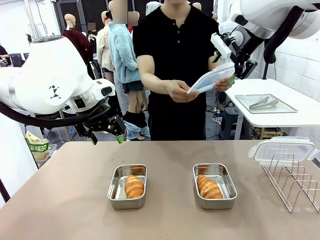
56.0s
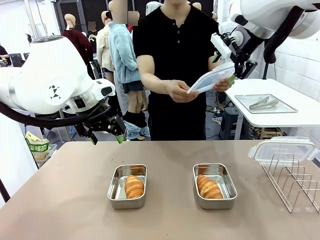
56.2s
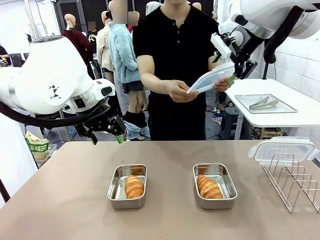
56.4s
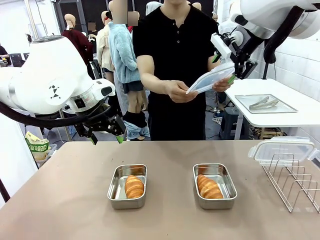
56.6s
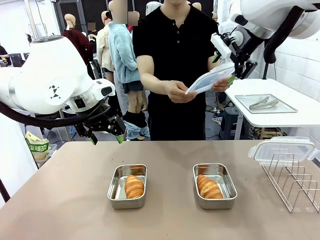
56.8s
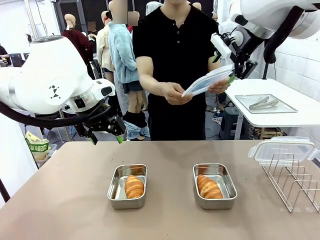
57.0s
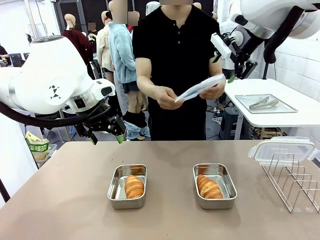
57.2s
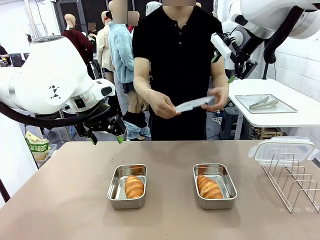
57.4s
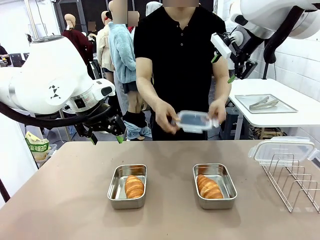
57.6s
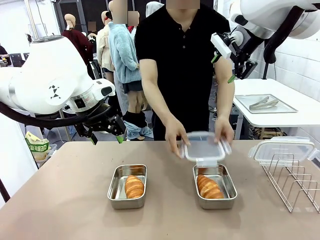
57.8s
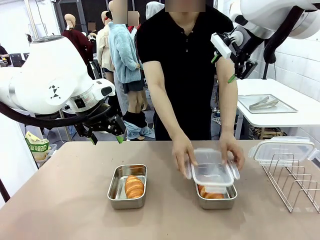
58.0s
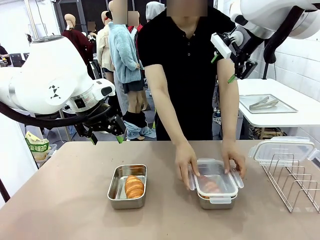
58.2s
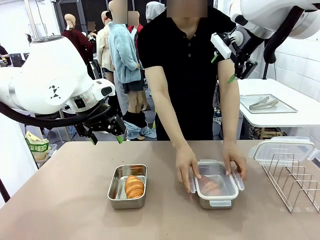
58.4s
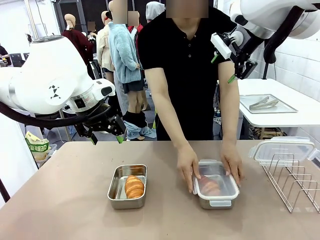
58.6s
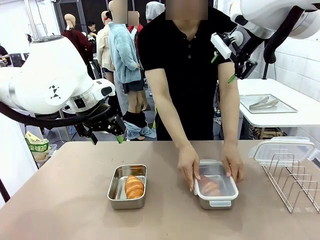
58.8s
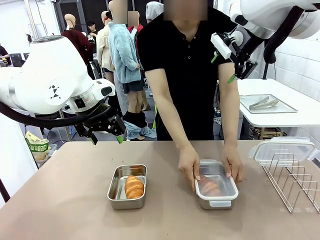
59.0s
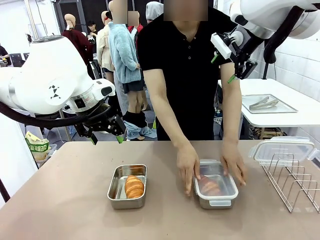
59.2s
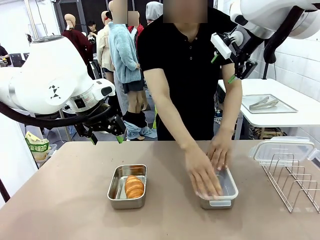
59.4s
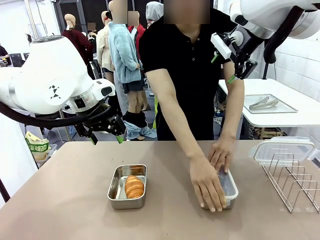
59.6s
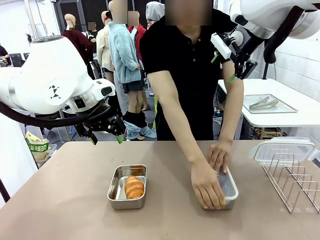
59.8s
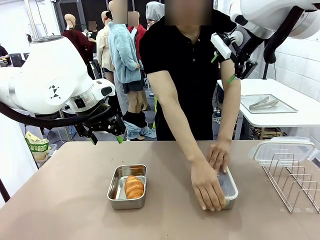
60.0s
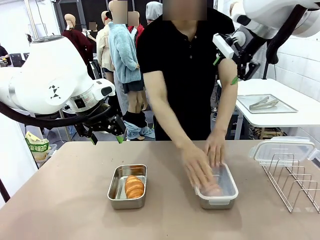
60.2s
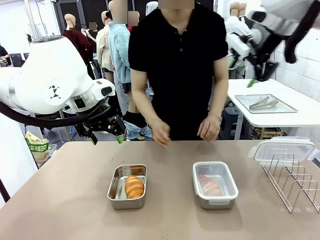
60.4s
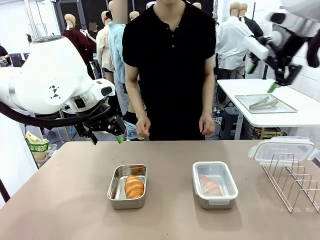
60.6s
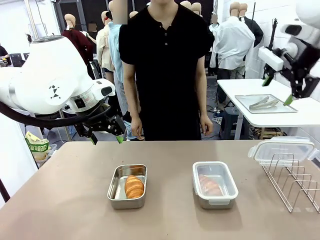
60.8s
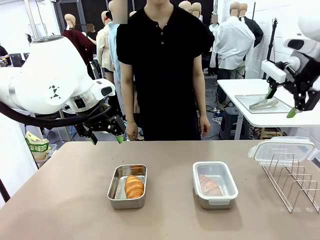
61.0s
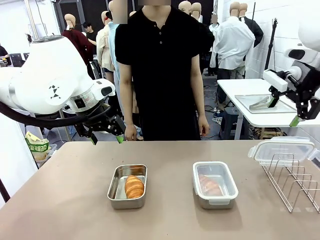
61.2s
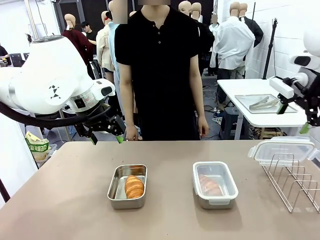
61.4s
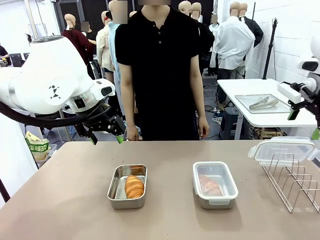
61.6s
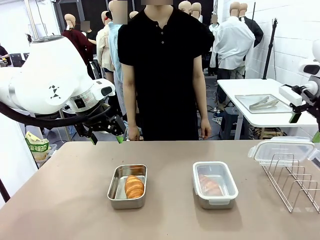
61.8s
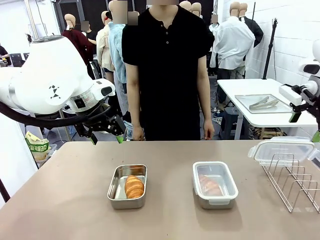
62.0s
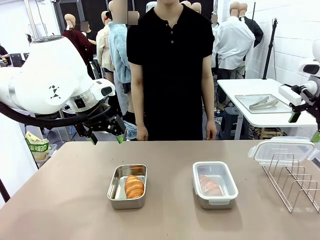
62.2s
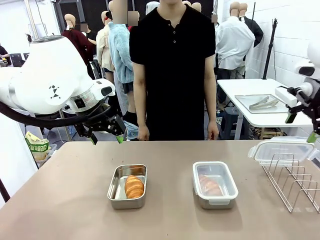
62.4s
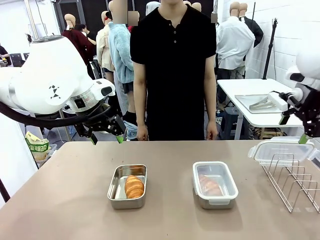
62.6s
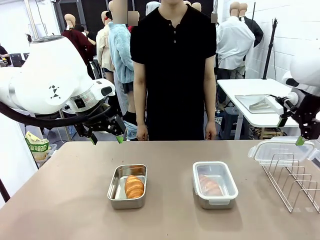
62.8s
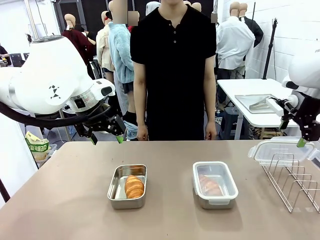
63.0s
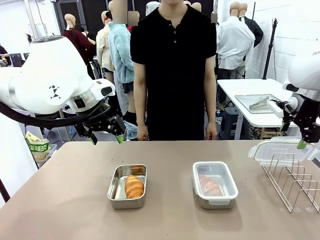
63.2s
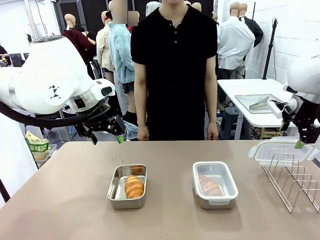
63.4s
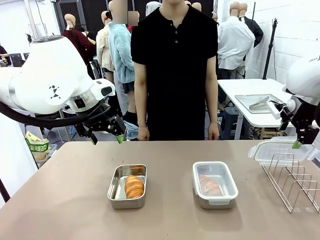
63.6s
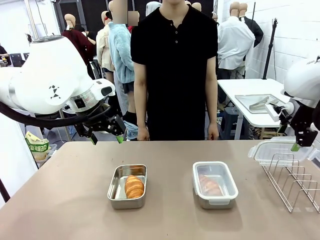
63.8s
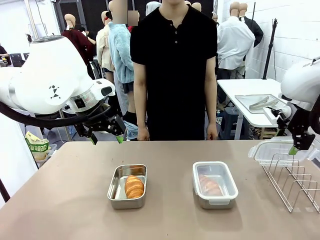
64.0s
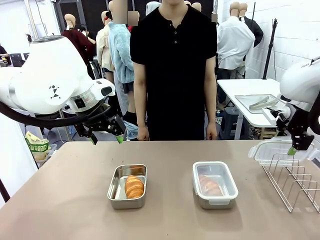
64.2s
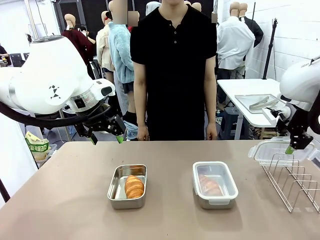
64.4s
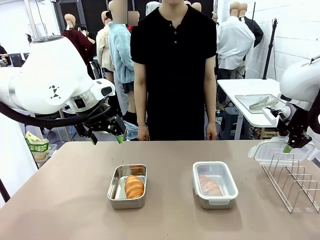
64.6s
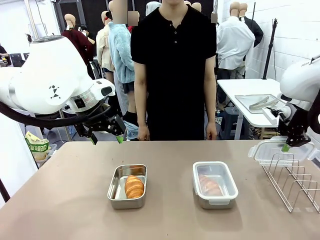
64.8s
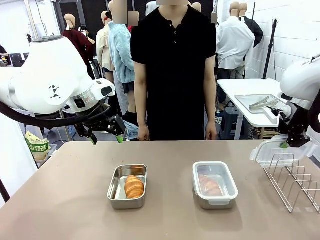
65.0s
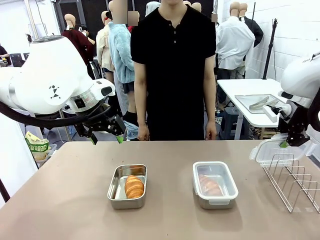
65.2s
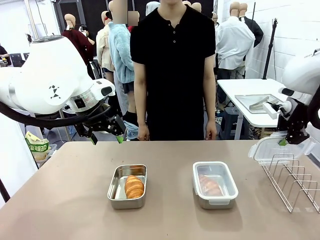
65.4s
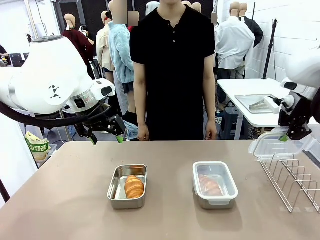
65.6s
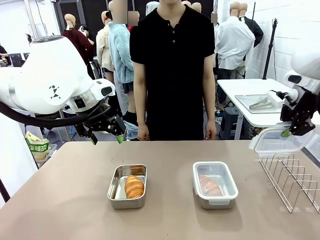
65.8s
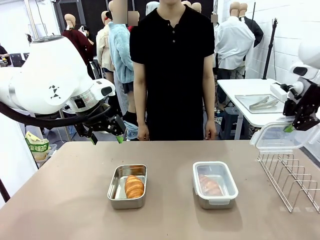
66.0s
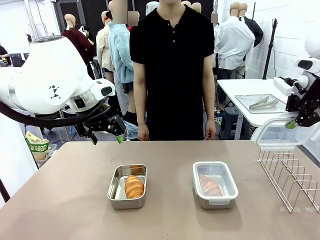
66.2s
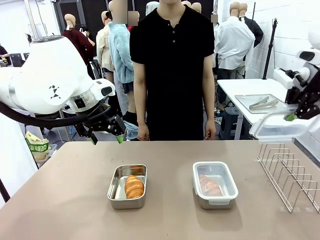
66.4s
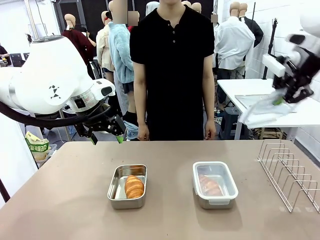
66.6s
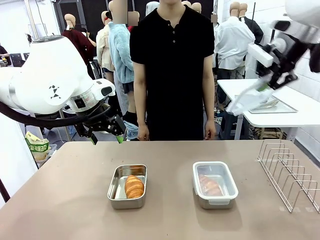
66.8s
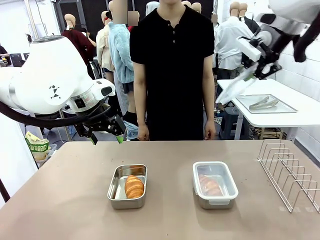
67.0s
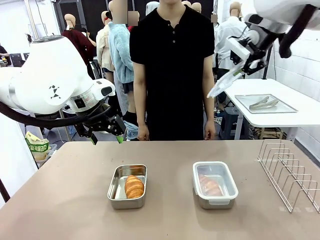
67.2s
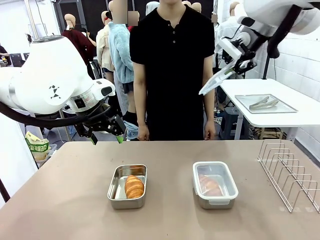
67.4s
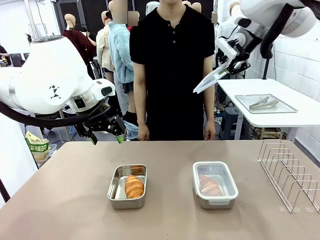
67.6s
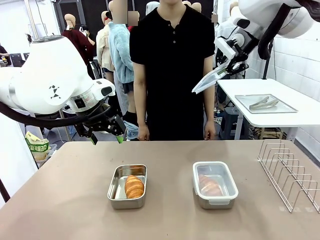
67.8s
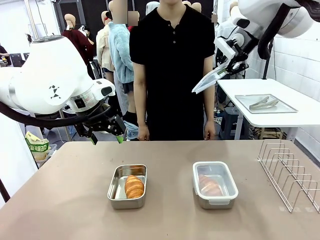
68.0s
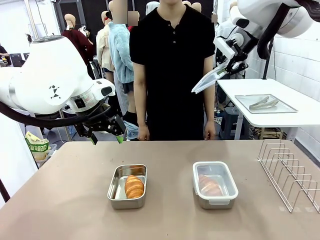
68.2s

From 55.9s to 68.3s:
Task: Place the bread in airtight containers.
Robot: Pick up one Airtight Container lid and hand it to the human.
Person: Close Airtight Container with a handed Airtight Container lid. Grip Airtight Container lid that robot is handing.

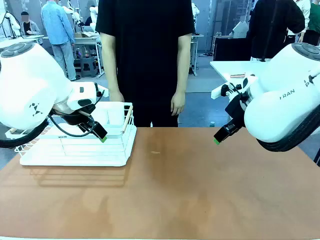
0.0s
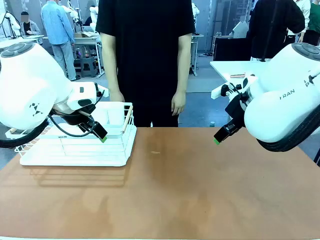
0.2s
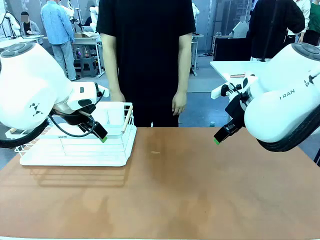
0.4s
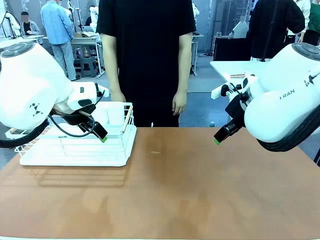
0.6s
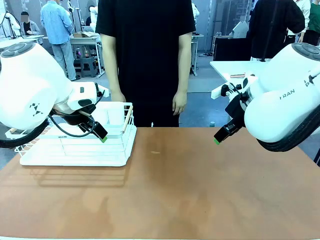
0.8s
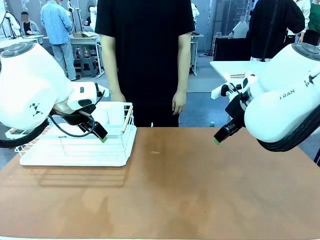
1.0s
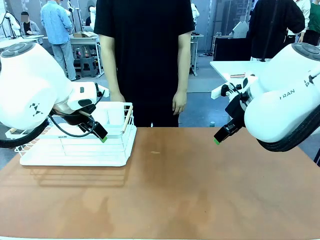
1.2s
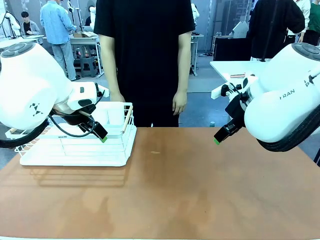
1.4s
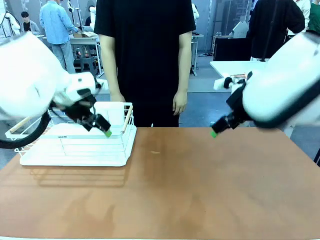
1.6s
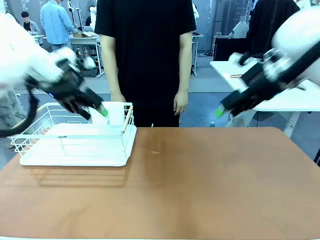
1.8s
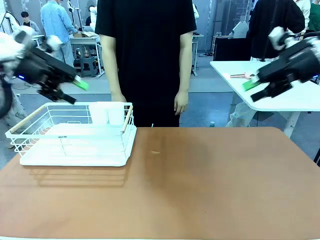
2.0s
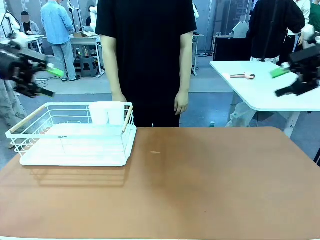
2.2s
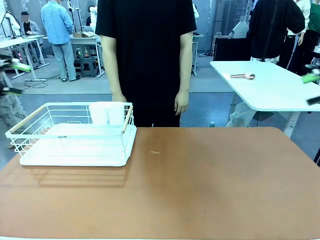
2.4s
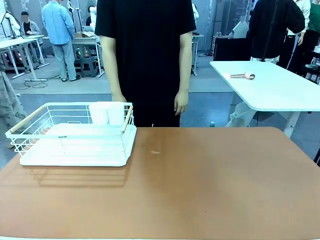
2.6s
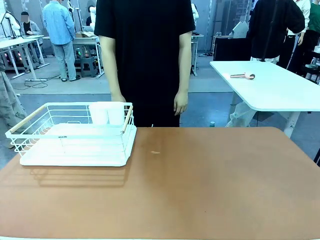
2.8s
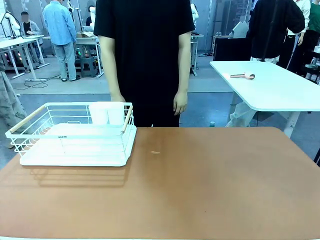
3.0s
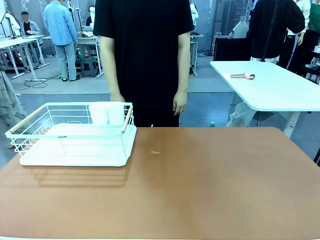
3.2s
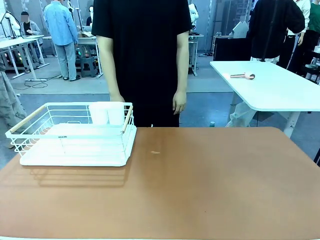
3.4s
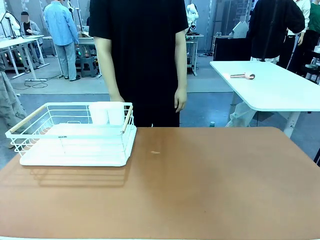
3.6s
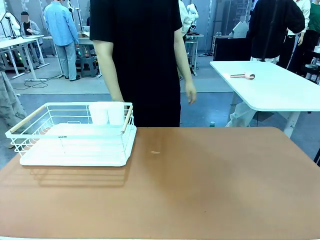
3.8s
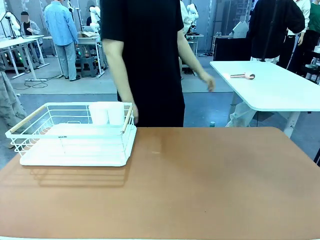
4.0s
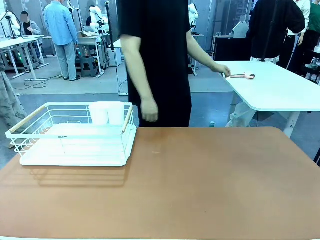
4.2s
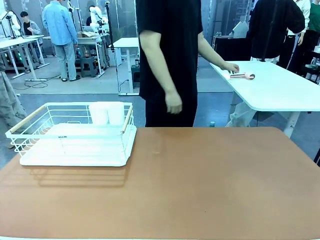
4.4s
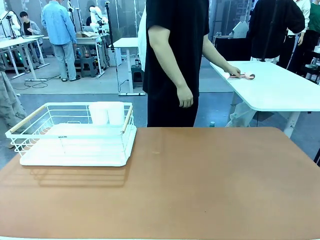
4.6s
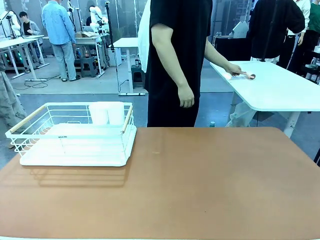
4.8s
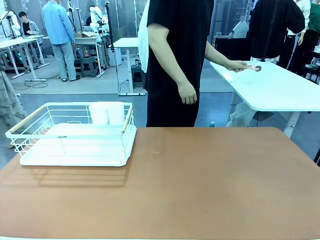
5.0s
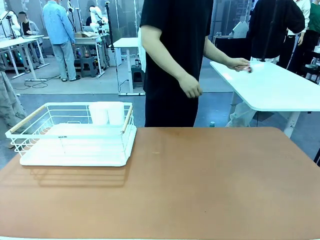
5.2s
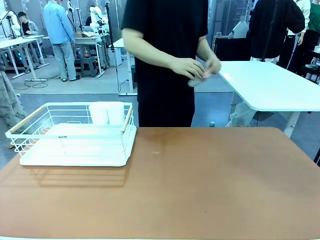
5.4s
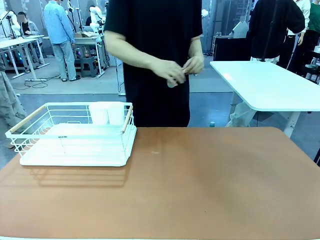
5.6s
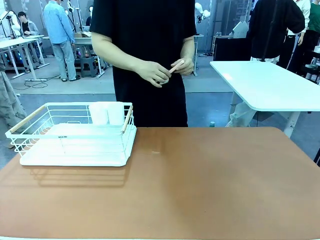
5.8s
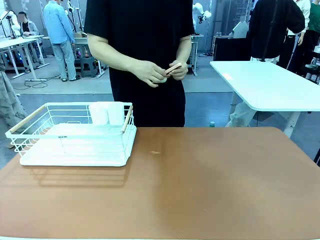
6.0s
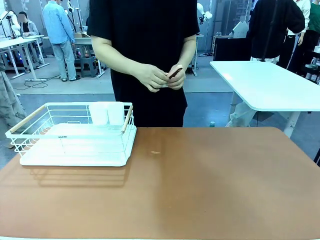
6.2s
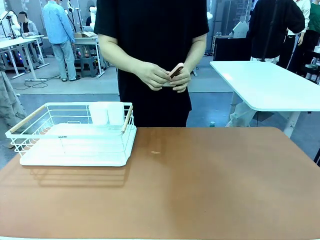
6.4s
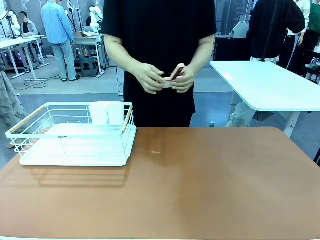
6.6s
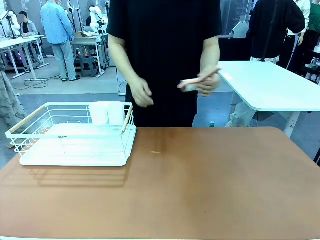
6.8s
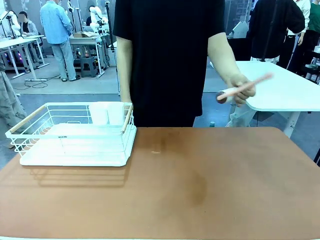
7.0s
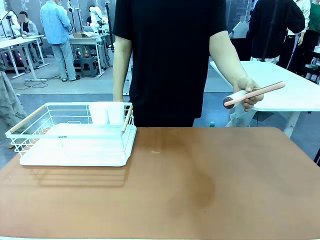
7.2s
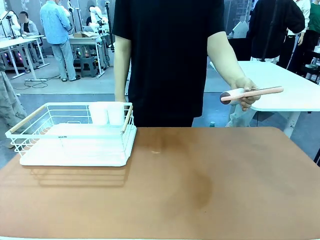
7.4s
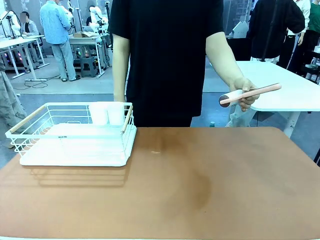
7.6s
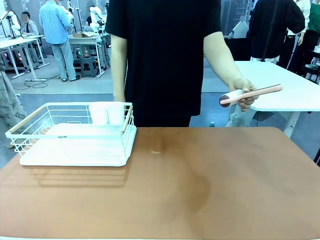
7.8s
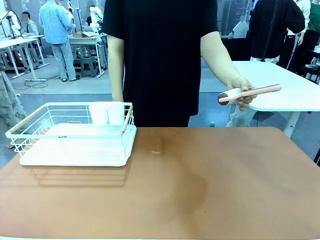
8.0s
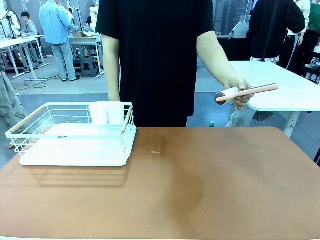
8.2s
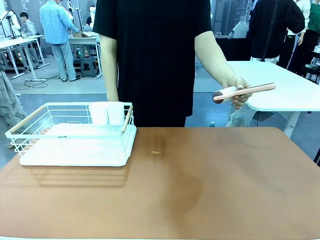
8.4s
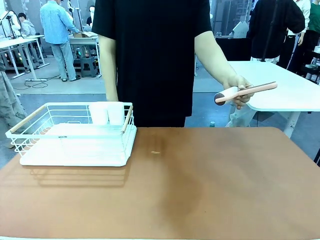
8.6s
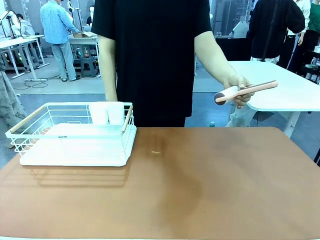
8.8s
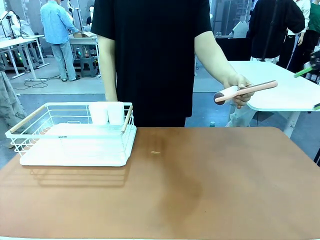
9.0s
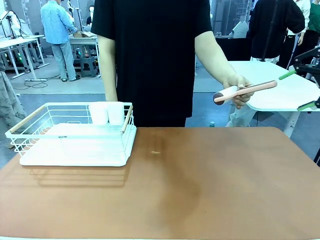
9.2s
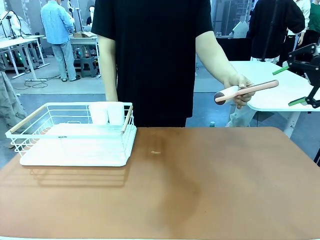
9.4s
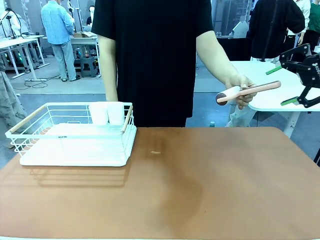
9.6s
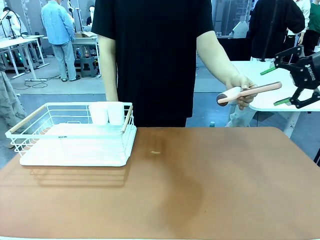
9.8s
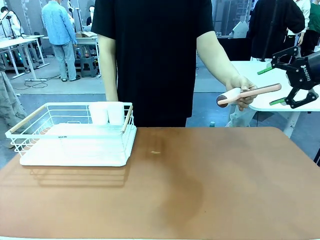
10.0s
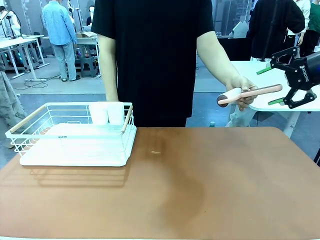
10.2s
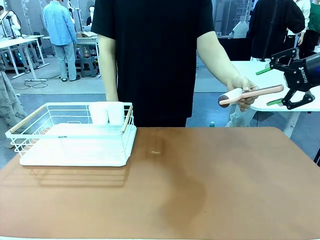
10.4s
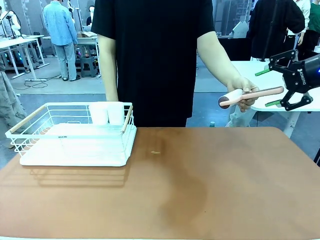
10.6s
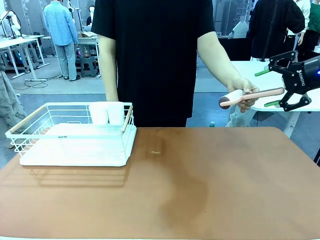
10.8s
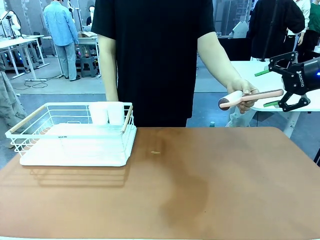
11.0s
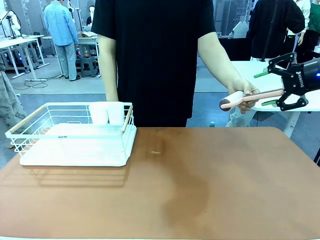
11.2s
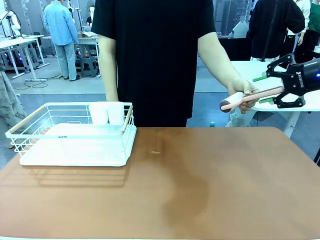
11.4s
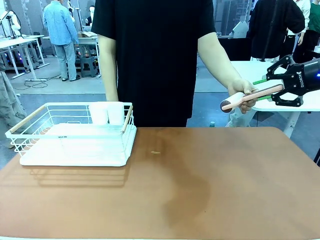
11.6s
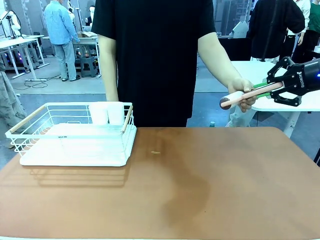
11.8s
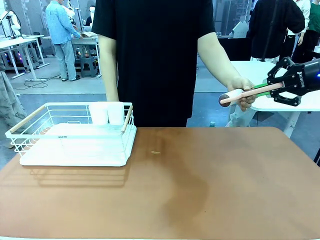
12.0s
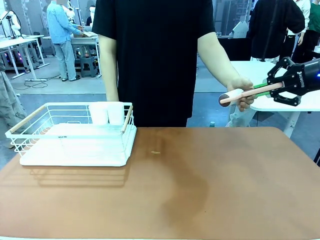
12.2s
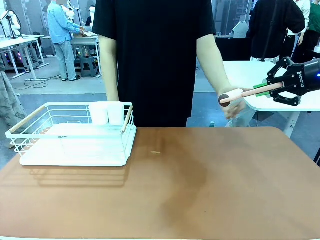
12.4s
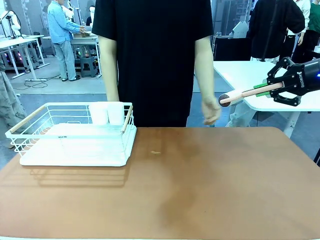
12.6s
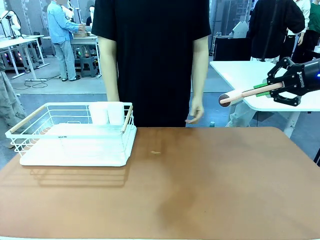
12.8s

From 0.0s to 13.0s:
Task: Clean the table.
Robot: Pick up the Lint Roller when the human hands it over.
Person: Hand the Lint Roller to the robot so it can easily pick it up. Lift the Dish drying rack.
